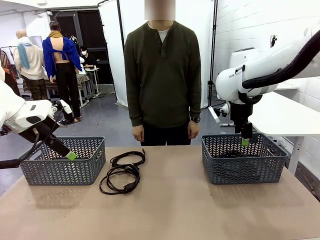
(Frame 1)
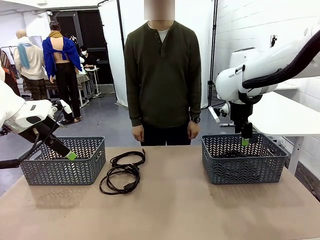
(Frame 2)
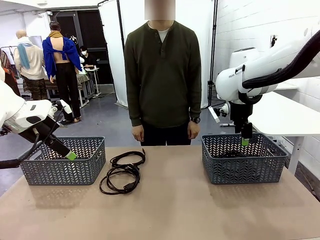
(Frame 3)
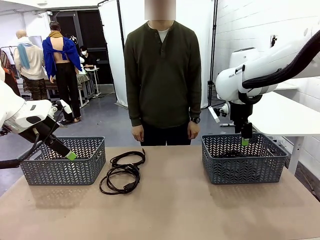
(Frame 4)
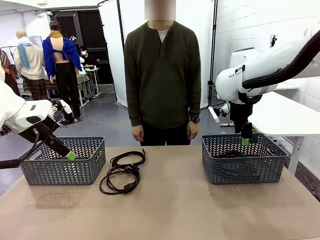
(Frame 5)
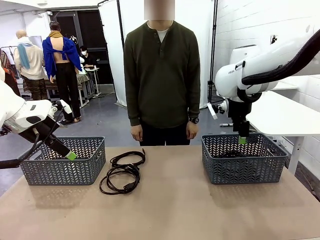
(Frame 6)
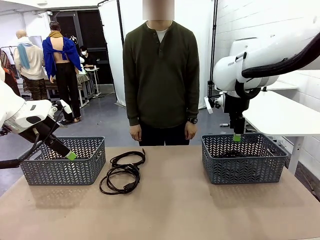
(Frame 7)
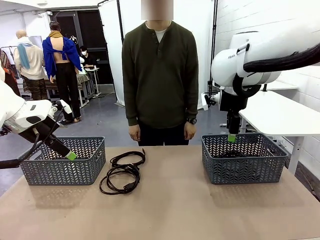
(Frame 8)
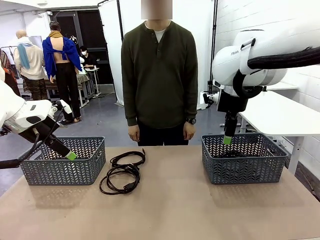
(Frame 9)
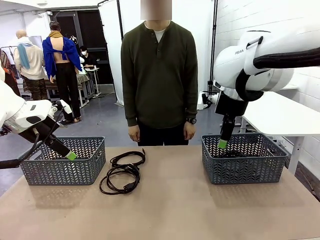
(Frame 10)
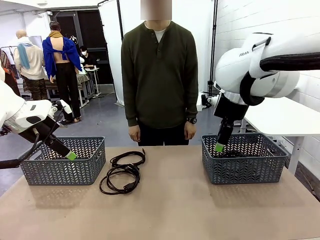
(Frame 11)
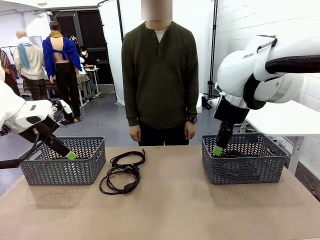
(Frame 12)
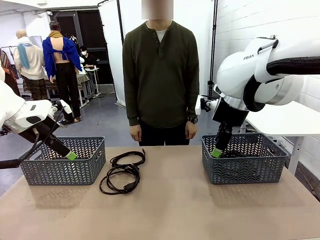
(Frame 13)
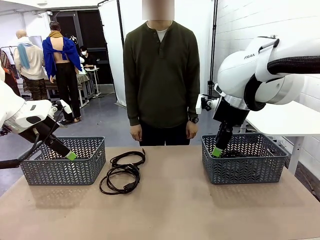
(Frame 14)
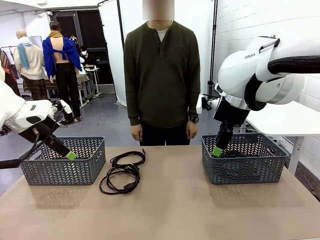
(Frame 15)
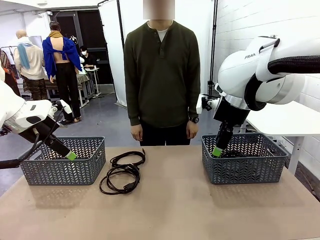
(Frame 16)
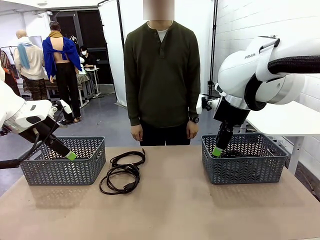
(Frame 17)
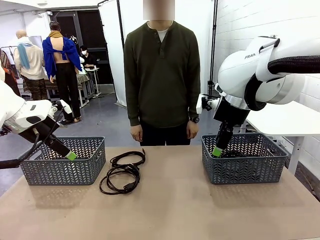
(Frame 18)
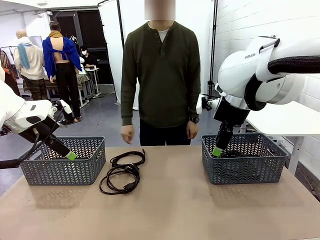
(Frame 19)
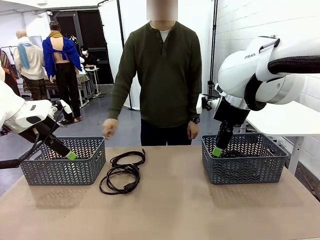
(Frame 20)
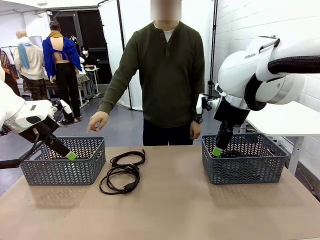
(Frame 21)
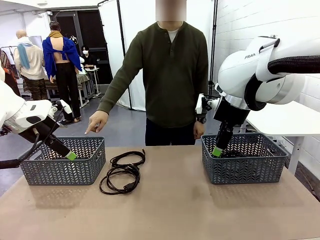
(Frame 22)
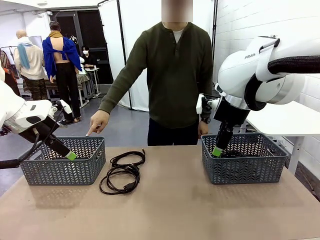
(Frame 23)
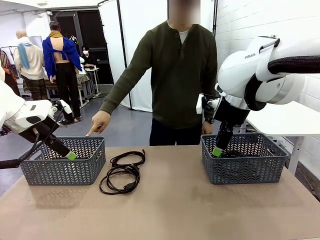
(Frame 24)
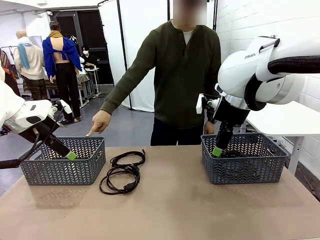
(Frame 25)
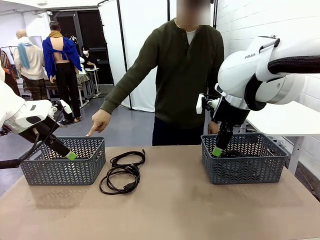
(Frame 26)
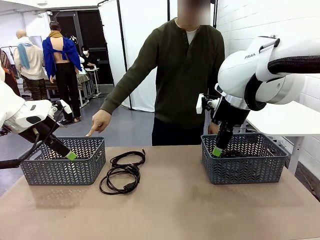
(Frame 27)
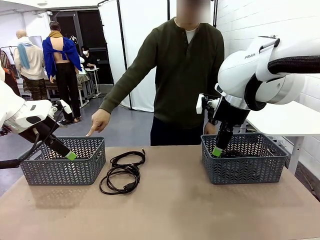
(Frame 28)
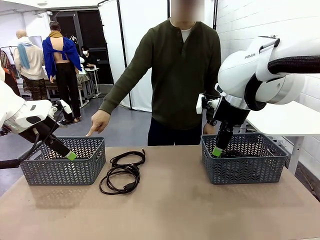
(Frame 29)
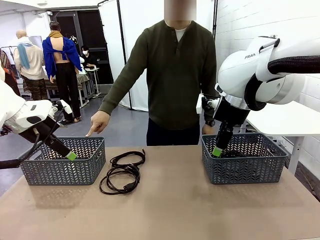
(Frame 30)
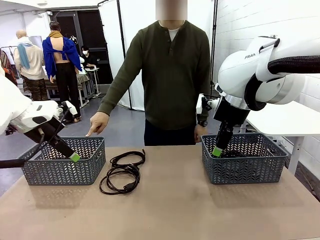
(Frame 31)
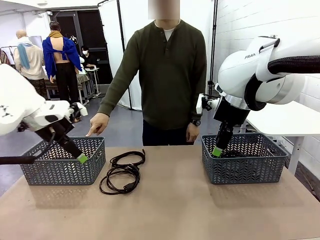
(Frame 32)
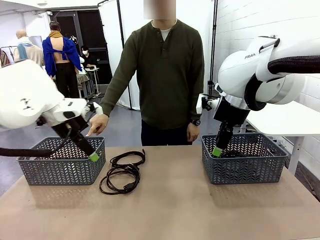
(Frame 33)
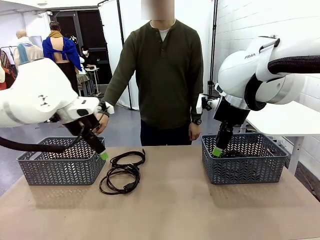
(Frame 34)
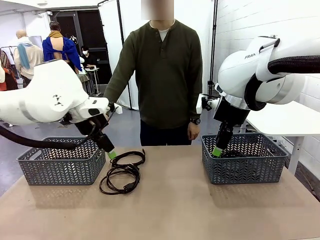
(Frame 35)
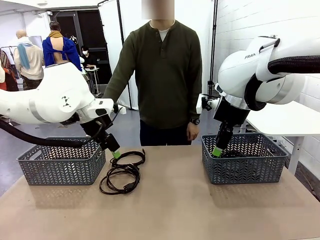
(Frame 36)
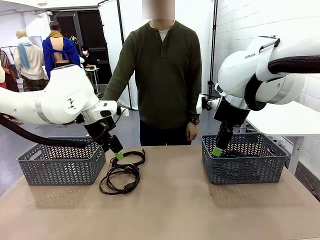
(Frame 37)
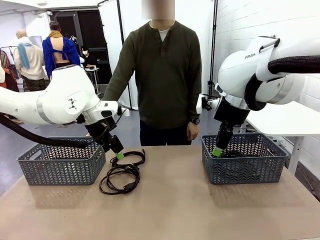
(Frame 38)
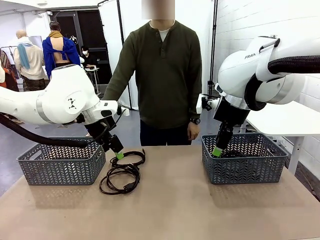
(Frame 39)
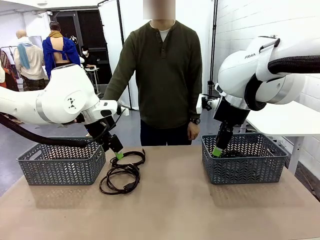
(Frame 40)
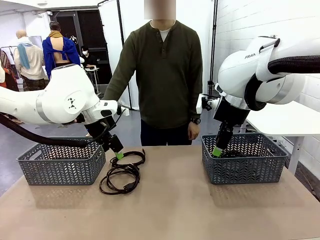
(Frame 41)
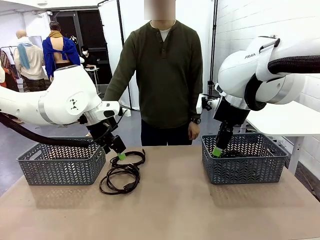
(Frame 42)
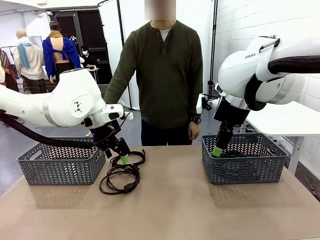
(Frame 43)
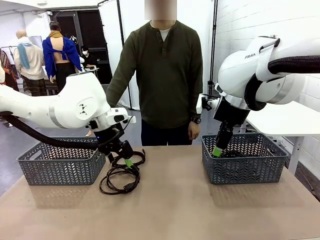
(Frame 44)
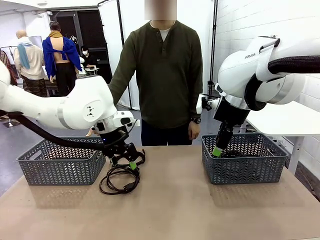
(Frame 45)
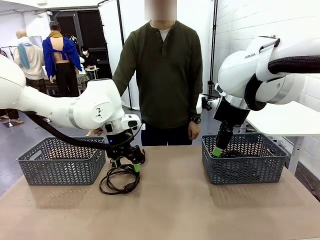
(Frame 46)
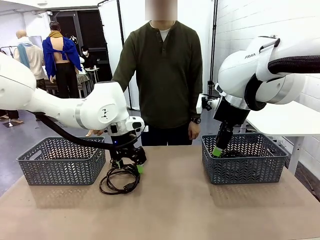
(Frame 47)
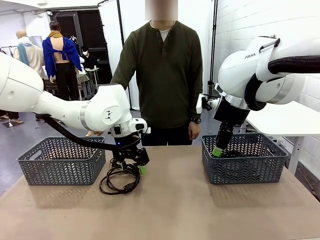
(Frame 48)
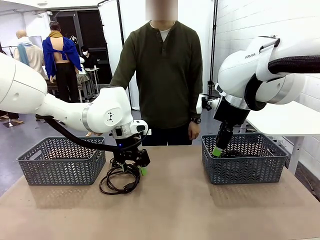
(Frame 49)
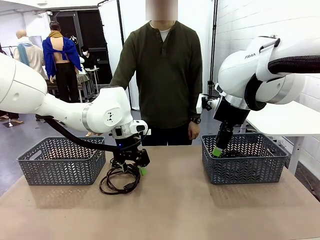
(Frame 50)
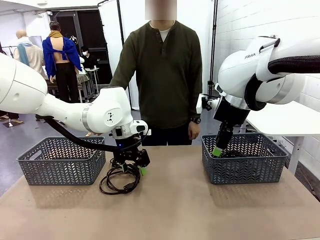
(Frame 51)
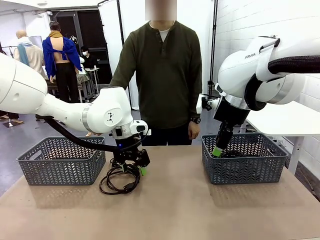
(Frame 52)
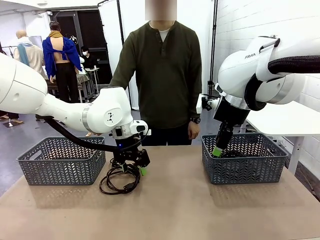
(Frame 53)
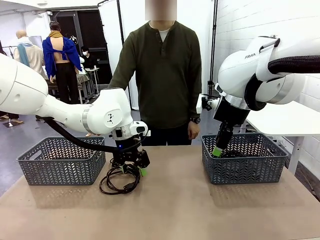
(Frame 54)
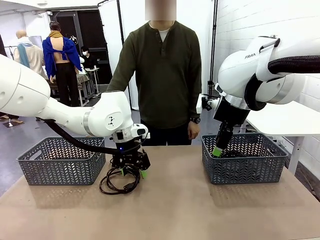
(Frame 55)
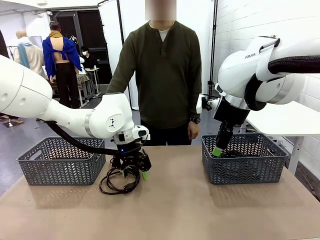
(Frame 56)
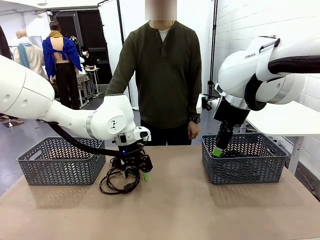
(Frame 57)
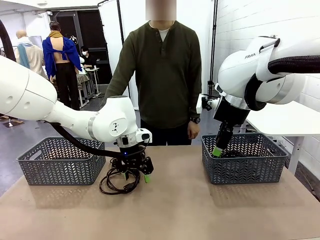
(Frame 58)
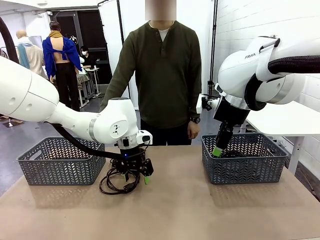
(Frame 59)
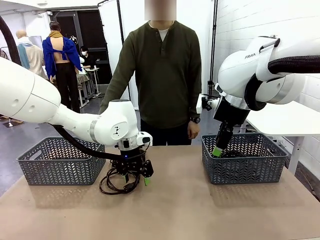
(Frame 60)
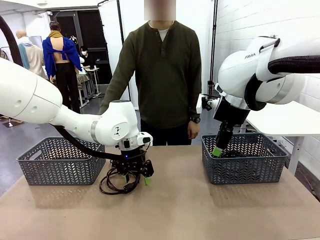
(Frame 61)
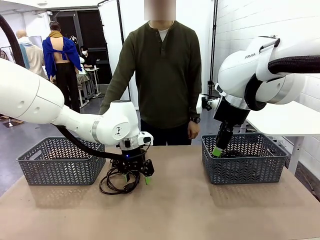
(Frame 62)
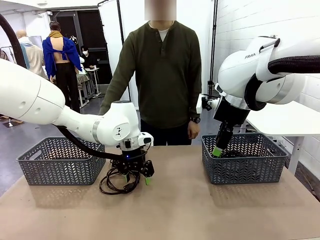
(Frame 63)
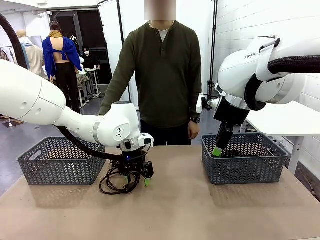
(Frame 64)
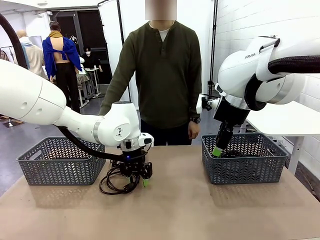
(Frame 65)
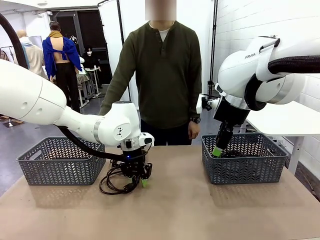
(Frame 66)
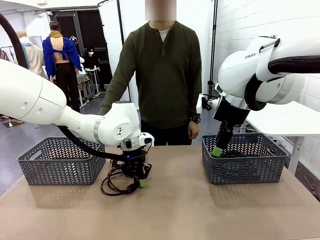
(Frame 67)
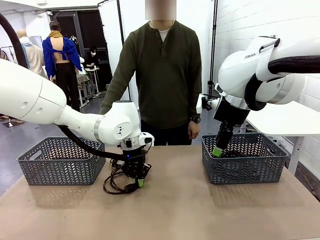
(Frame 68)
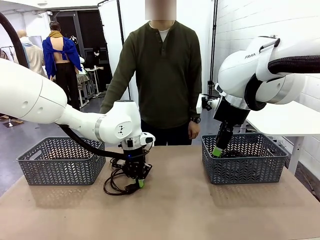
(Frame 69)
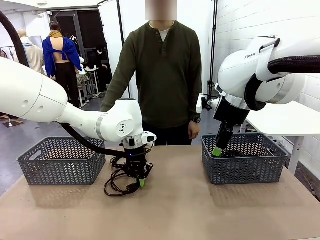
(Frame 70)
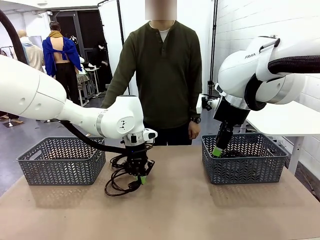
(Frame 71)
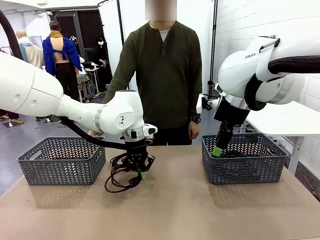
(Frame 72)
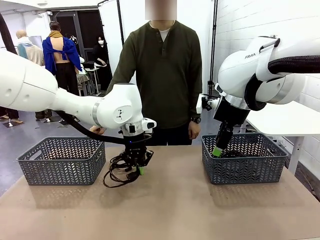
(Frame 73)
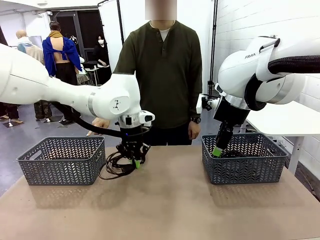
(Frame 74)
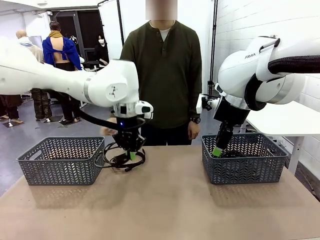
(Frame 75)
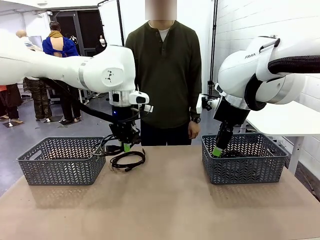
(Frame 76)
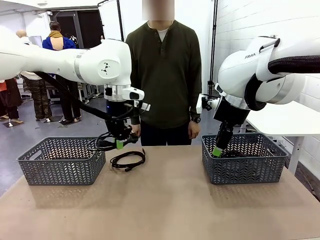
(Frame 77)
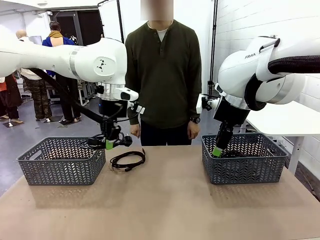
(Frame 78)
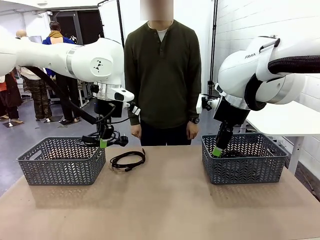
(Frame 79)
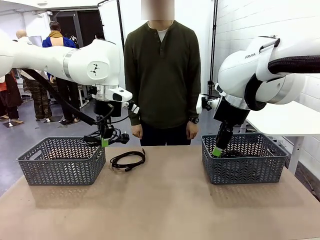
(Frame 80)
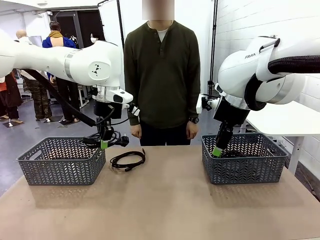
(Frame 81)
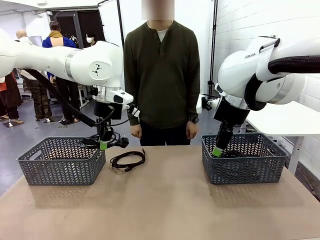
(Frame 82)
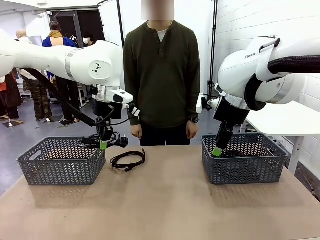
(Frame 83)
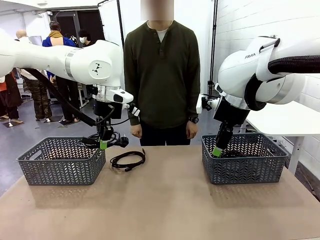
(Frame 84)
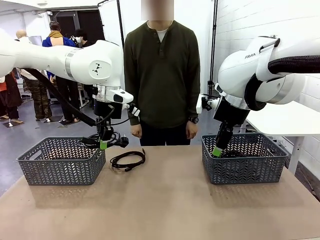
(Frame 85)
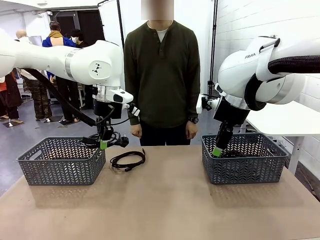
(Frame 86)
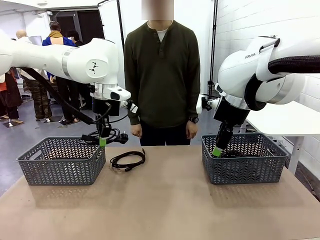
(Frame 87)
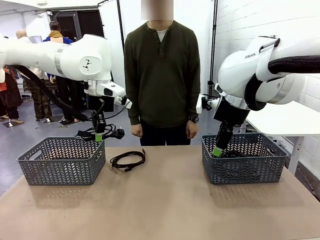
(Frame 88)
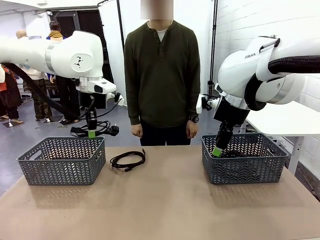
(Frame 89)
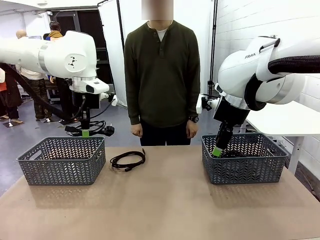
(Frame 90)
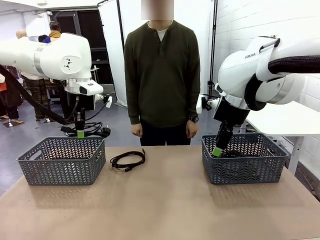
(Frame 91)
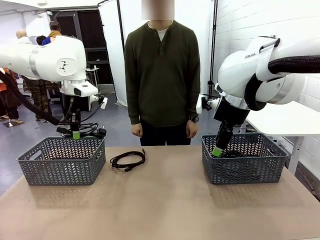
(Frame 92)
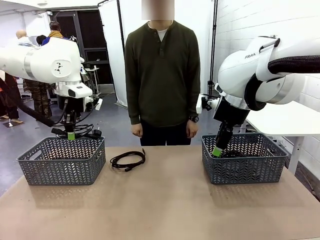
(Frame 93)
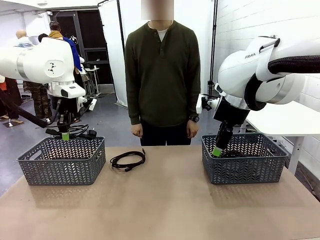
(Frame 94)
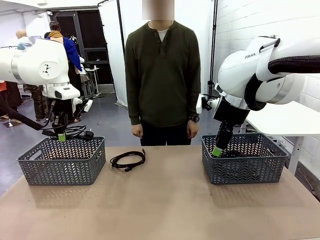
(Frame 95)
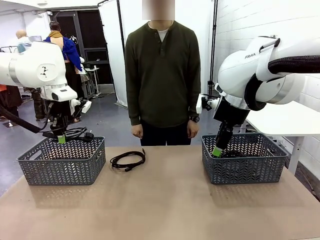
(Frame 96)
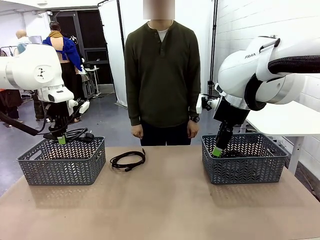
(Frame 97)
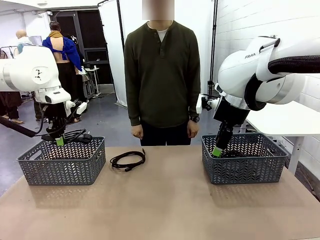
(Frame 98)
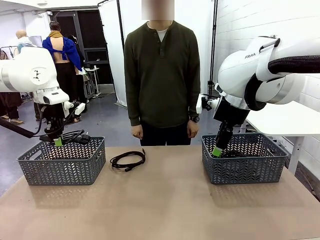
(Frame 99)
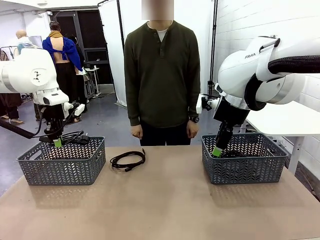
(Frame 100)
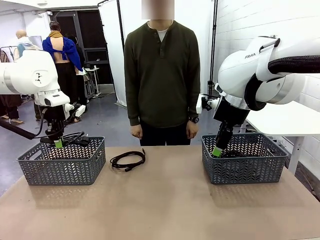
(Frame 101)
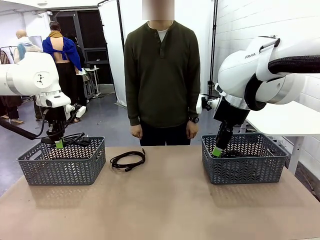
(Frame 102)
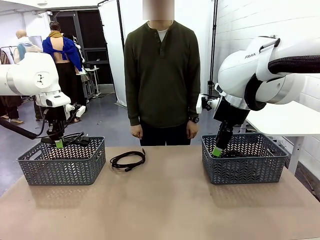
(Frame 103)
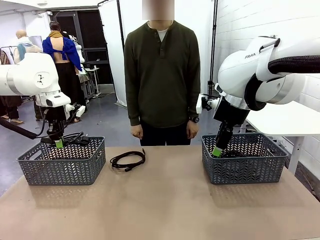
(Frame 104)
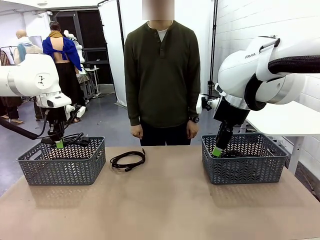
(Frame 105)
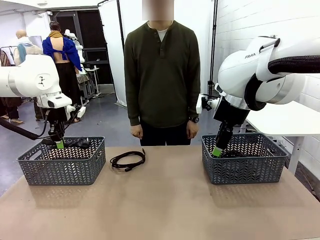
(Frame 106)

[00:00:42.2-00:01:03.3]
Task: Organize the cables according to human instructions.
Robot: Pick up a bundle of cables and place it in the basket indicated by the human.
